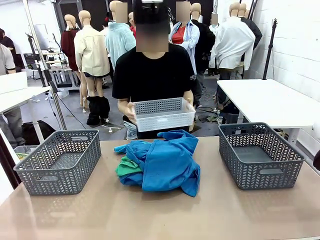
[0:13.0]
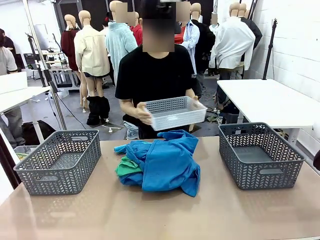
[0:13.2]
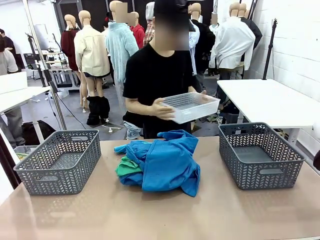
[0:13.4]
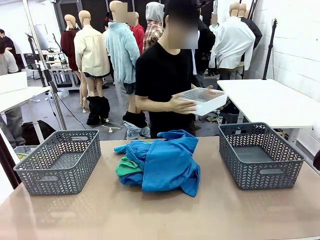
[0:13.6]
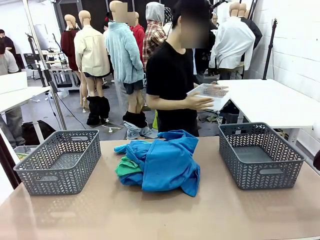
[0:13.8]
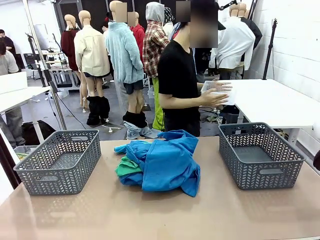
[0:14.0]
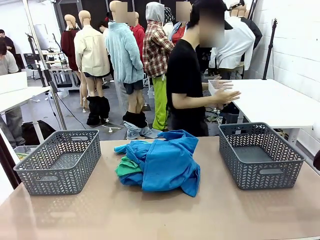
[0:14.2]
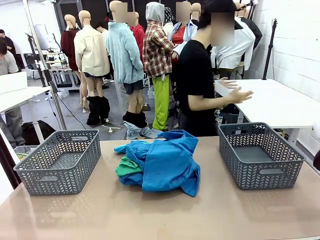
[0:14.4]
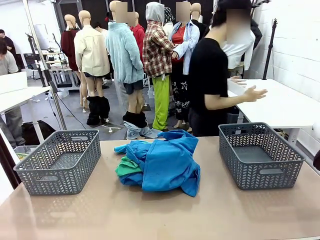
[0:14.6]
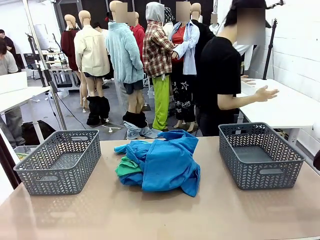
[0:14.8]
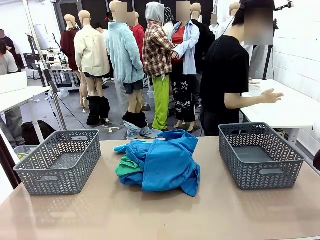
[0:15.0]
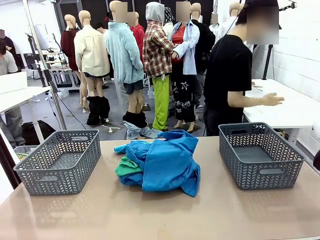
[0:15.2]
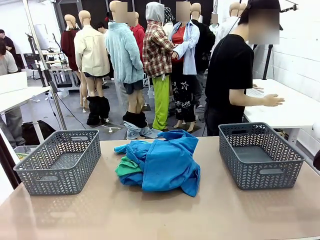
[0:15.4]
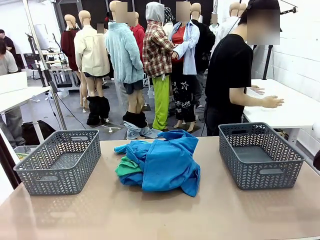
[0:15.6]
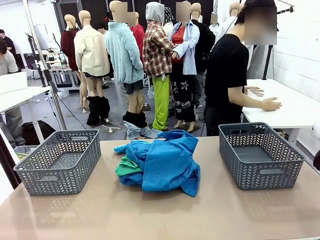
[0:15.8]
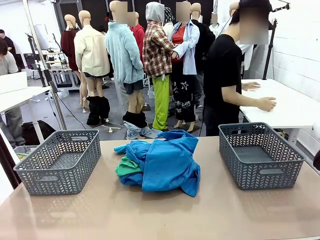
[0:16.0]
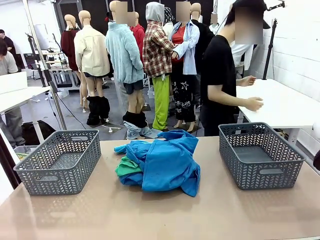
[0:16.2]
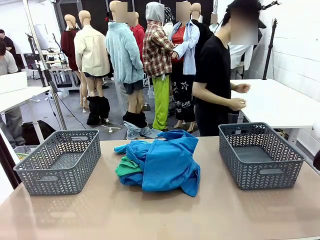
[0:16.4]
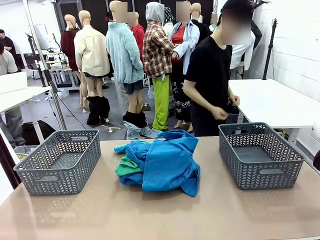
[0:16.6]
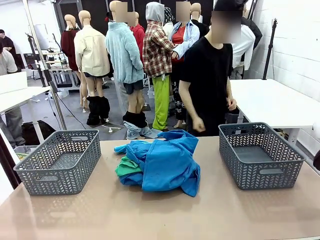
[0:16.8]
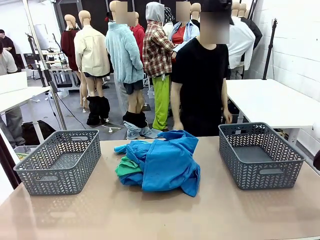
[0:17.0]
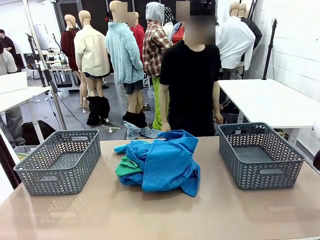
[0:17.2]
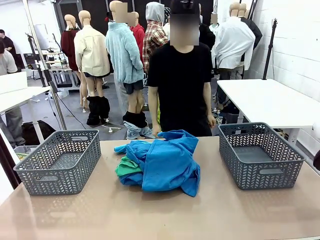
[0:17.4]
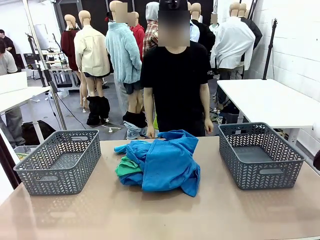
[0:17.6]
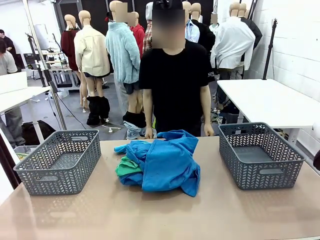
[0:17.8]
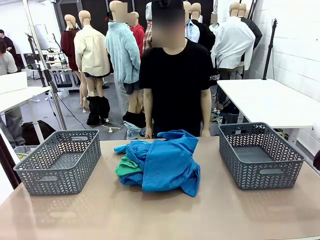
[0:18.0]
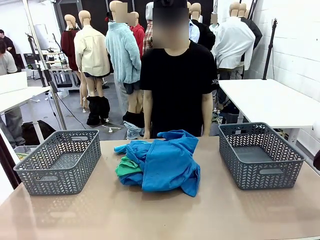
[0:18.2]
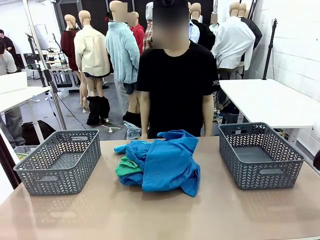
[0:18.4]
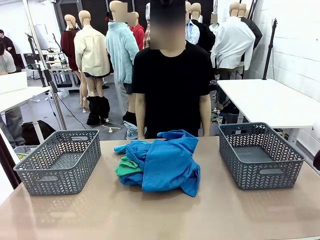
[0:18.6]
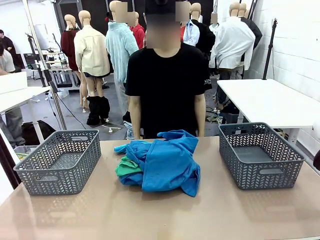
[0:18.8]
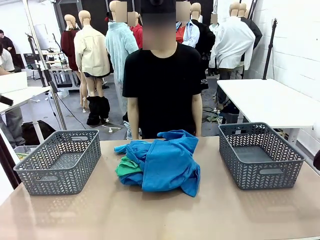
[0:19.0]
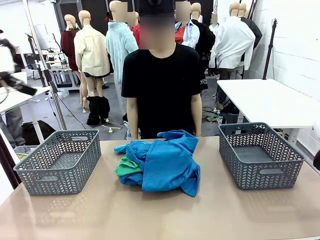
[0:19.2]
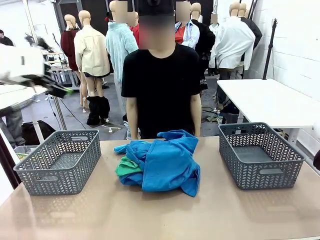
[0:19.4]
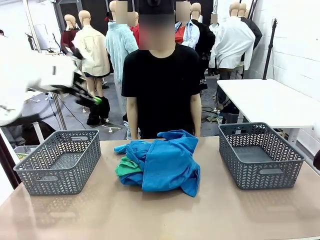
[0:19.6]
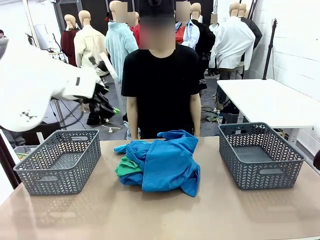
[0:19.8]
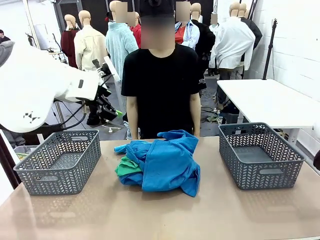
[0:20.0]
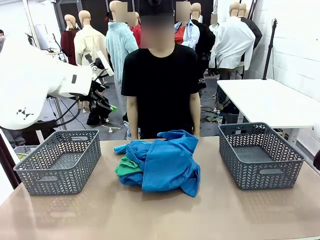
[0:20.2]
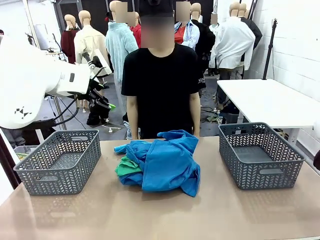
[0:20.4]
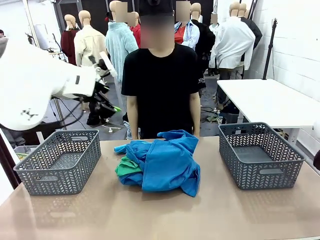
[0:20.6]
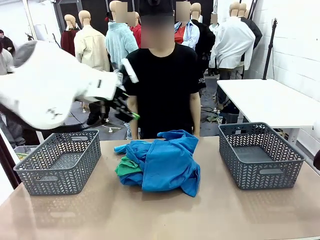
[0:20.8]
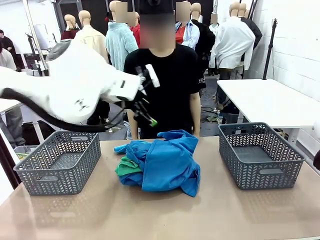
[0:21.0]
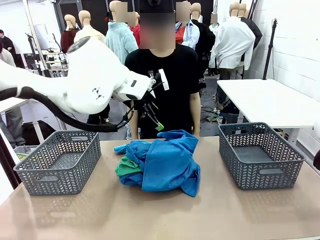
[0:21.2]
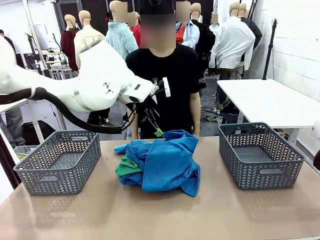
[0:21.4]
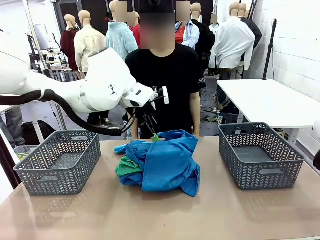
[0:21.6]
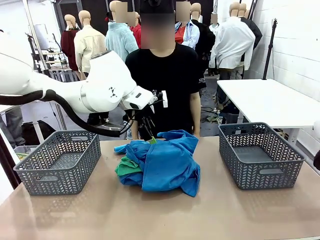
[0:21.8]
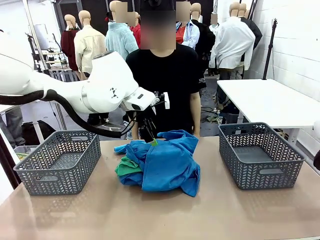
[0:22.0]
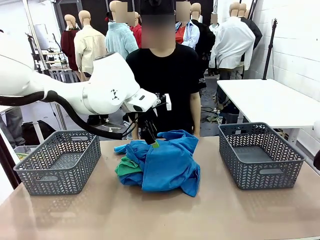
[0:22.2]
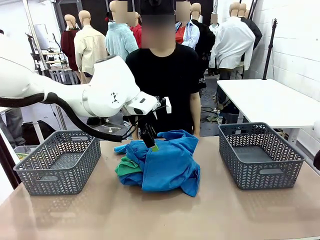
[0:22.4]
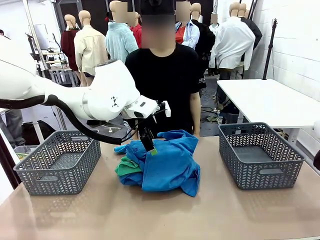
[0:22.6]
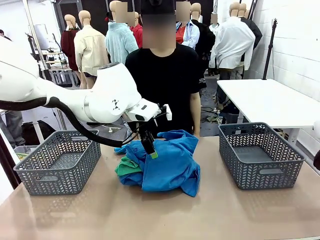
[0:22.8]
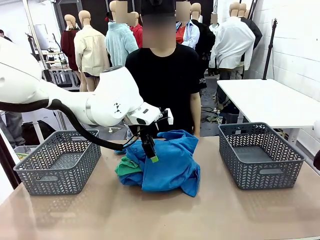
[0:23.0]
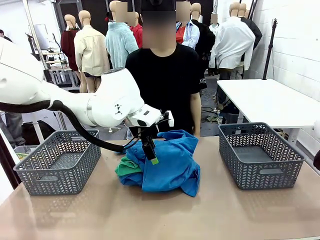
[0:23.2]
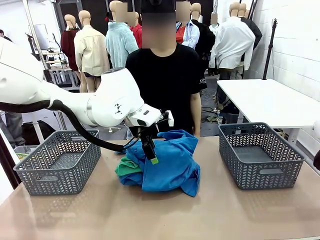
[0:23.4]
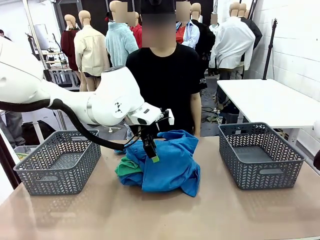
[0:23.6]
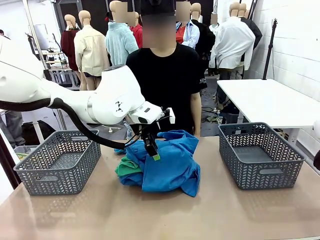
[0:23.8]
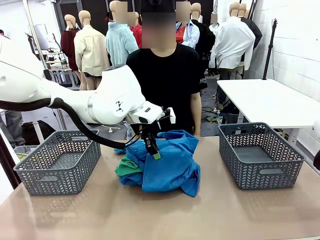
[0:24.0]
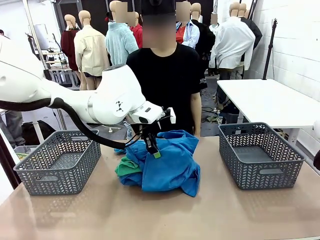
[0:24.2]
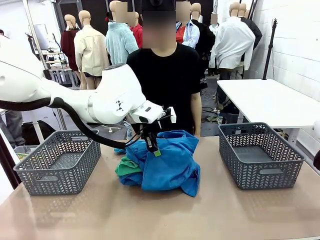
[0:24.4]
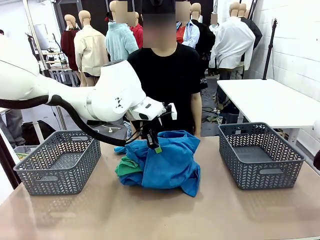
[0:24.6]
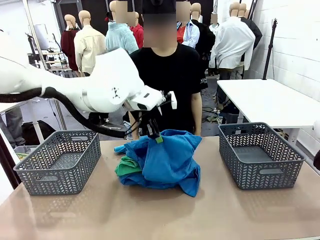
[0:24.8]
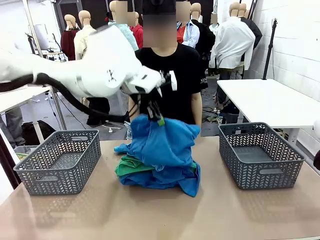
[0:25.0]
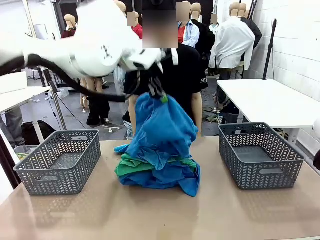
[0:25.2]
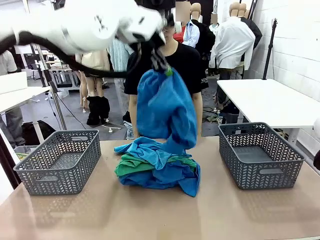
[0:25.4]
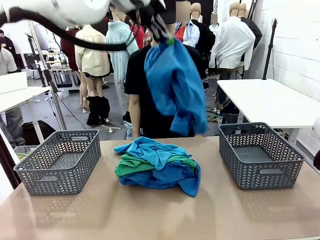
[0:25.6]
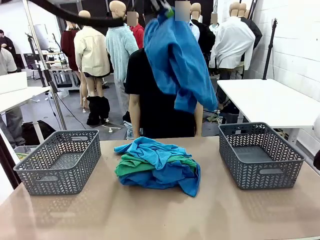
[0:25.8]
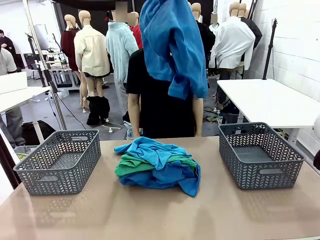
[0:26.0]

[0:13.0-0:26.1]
Task: Sort the tops and bottoms.
Robot: Lift clothes from the center of the table with your left hand.

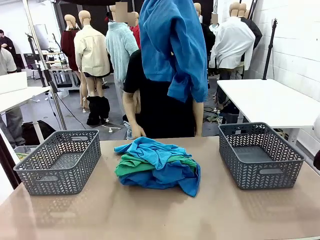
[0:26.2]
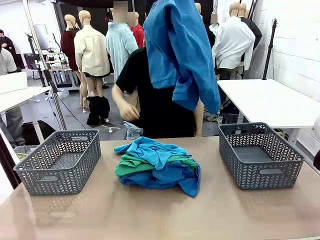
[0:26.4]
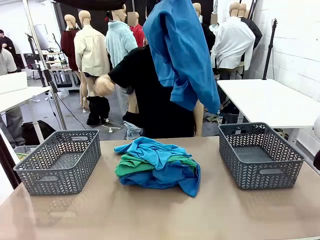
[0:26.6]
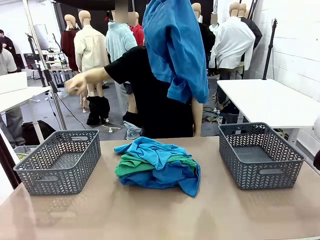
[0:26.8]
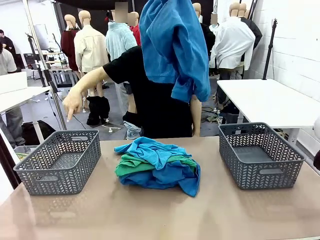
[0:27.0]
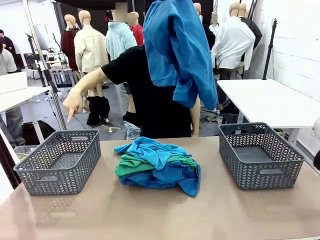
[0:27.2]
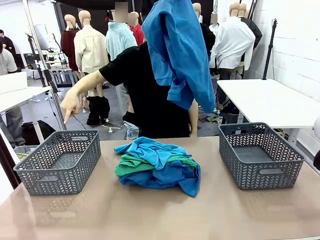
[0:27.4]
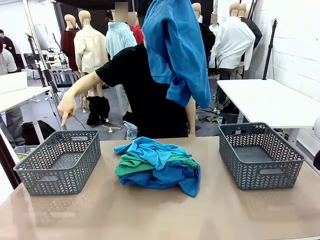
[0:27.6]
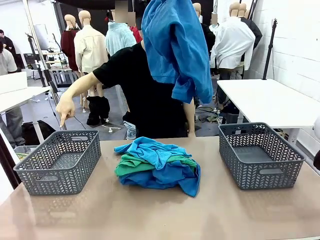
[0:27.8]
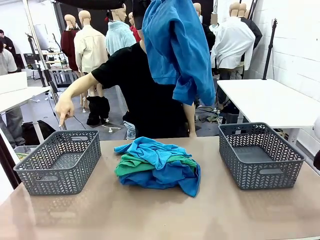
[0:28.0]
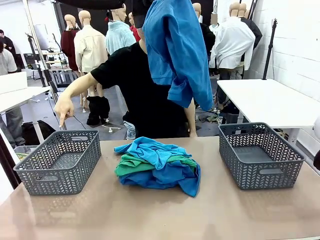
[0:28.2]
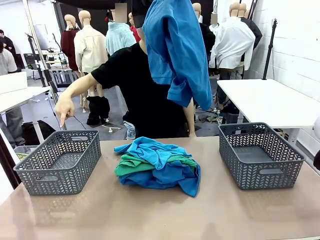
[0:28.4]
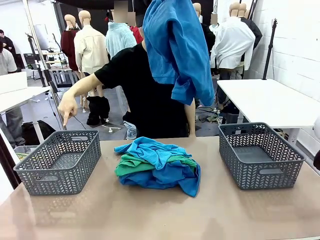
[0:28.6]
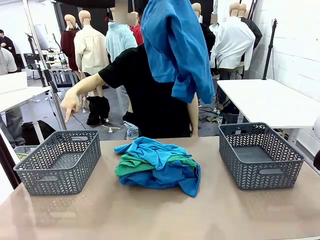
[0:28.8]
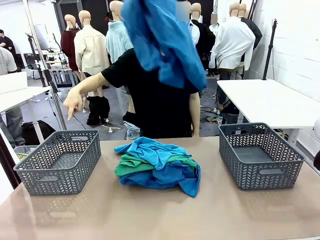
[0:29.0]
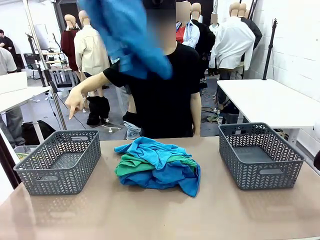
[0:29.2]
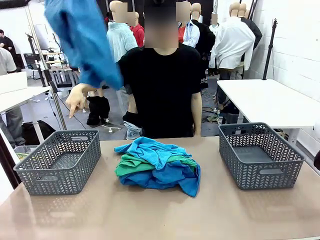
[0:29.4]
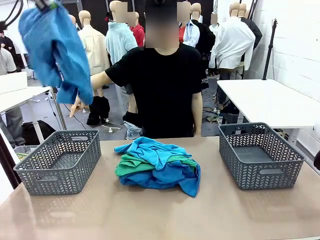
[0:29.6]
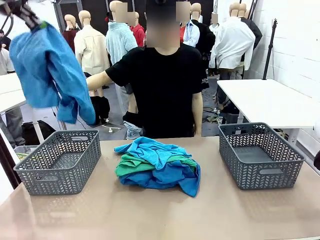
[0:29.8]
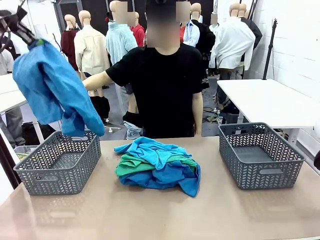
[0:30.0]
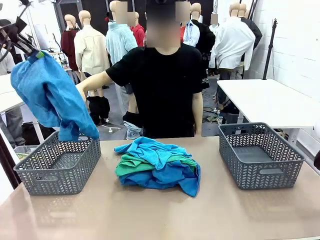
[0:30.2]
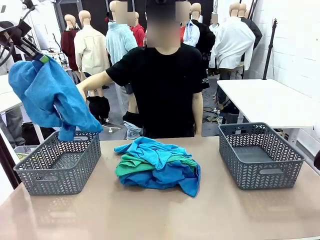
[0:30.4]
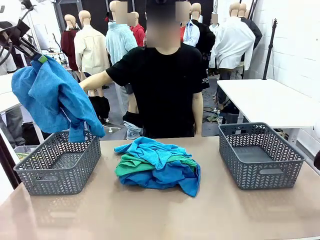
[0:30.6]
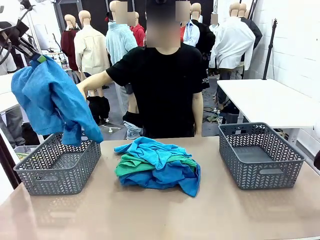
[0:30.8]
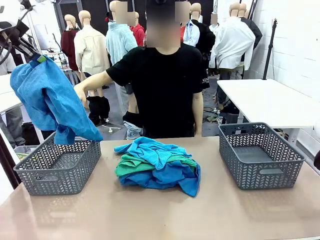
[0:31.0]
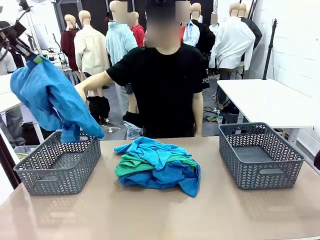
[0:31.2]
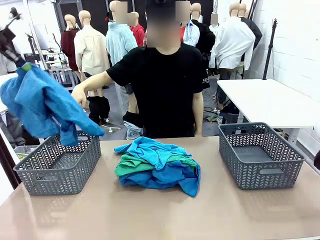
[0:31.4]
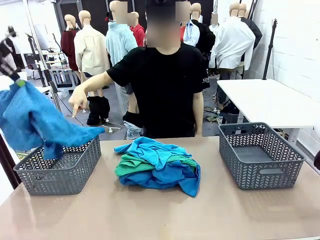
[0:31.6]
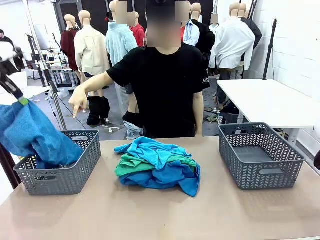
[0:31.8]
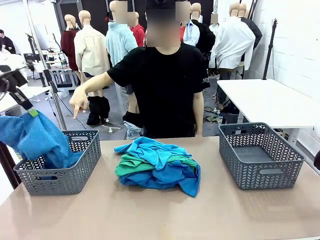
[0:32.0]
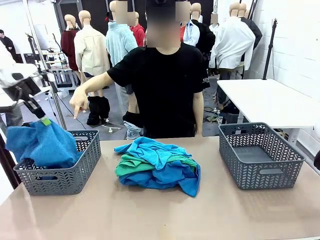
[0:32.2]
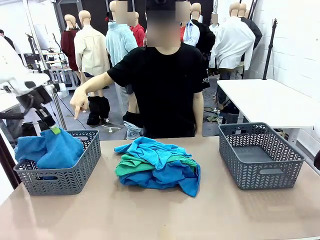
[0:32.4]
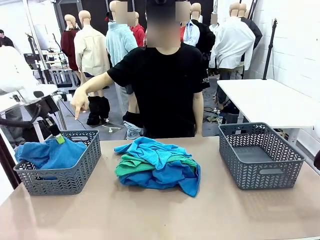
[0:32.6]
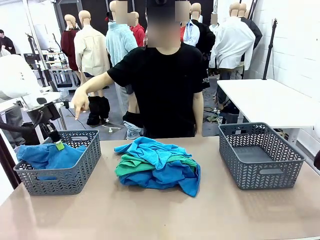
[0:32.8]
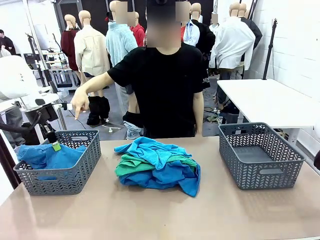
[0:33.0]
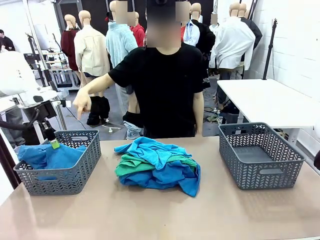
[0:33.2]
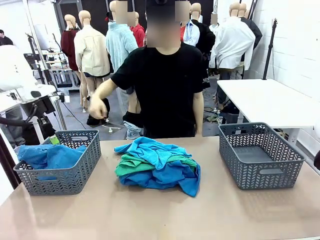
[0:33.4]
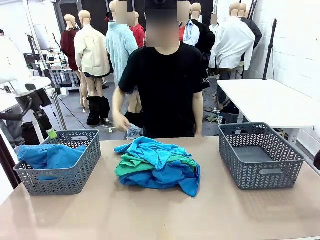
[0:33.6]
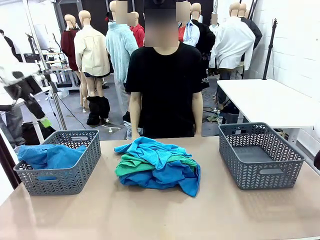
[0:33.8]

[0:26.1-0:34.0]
Robot: Sort the clothes according to human instructions.
